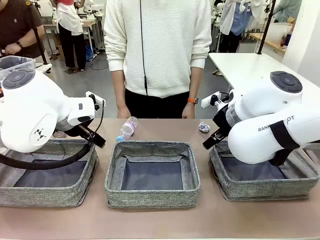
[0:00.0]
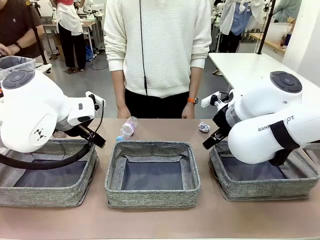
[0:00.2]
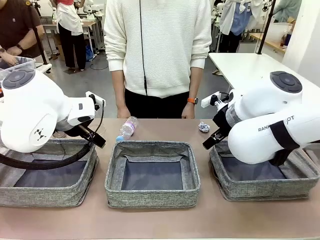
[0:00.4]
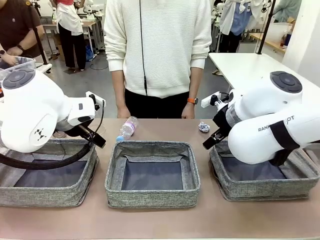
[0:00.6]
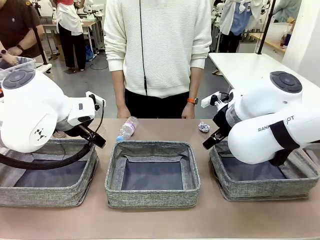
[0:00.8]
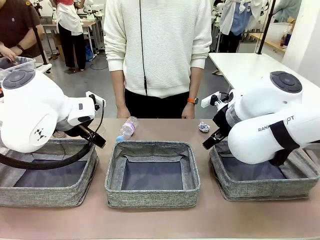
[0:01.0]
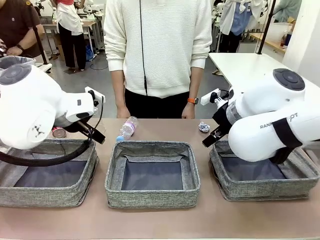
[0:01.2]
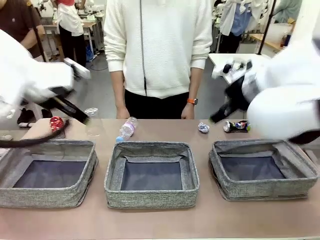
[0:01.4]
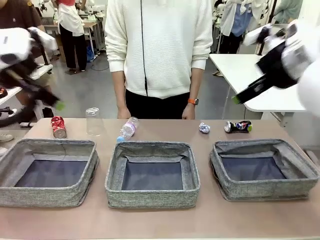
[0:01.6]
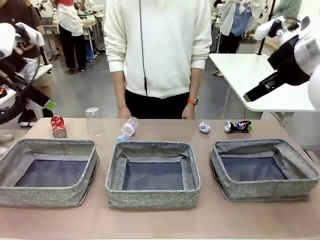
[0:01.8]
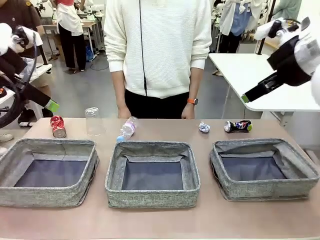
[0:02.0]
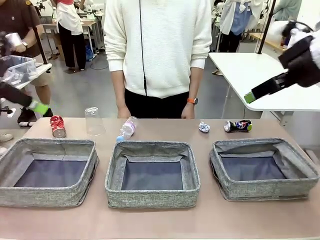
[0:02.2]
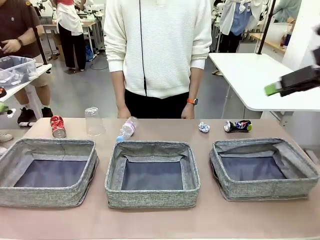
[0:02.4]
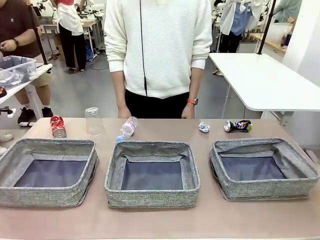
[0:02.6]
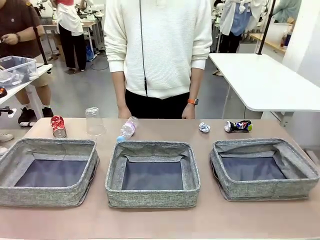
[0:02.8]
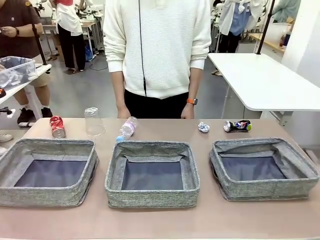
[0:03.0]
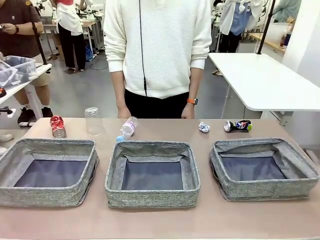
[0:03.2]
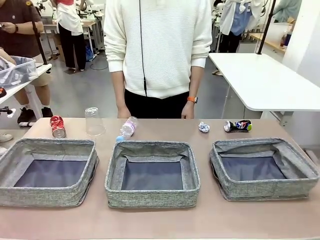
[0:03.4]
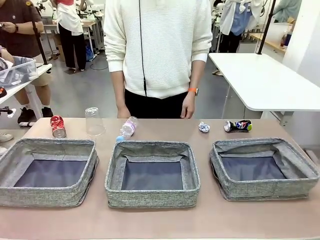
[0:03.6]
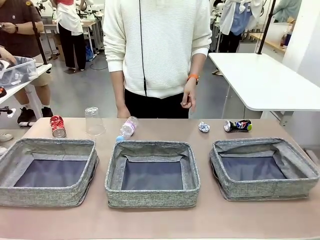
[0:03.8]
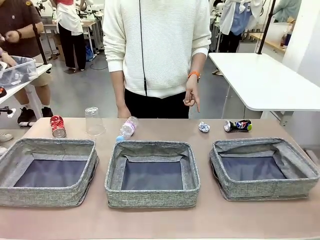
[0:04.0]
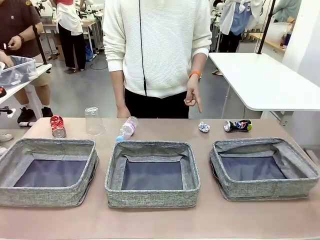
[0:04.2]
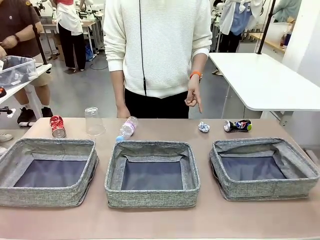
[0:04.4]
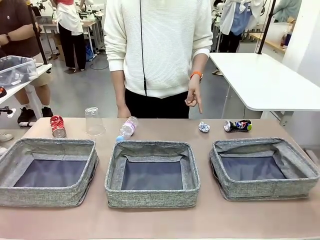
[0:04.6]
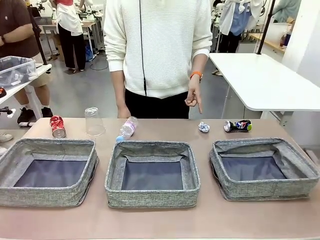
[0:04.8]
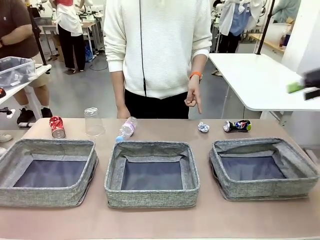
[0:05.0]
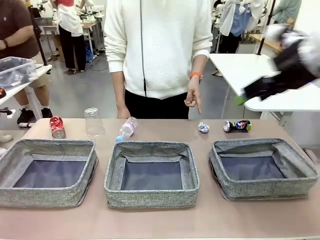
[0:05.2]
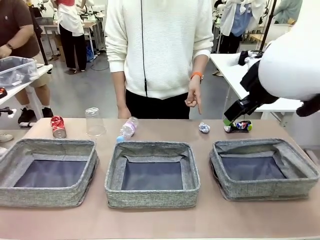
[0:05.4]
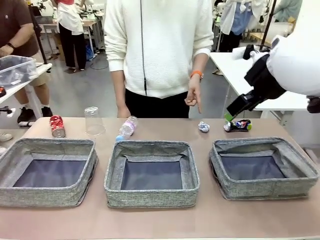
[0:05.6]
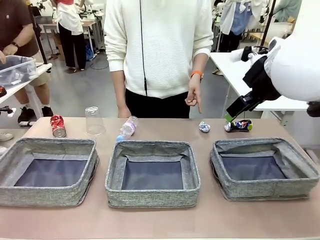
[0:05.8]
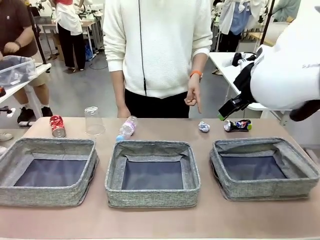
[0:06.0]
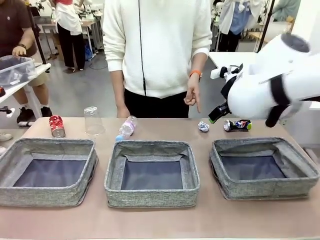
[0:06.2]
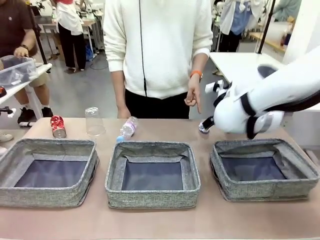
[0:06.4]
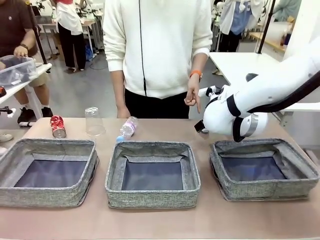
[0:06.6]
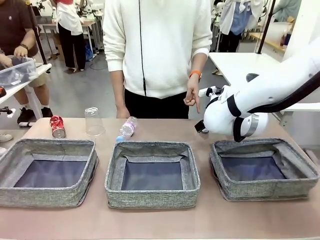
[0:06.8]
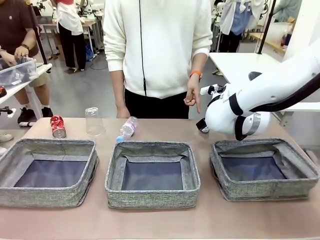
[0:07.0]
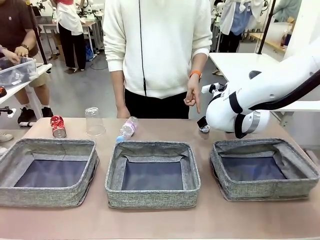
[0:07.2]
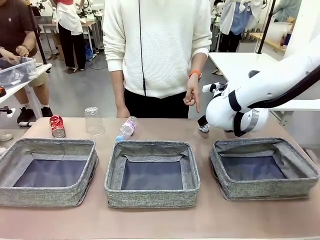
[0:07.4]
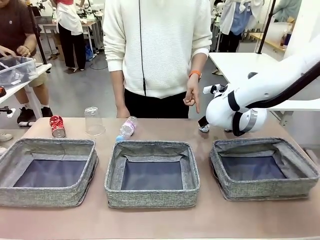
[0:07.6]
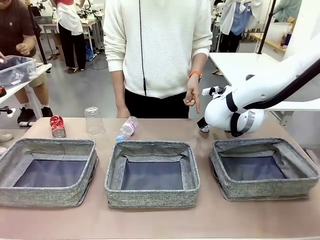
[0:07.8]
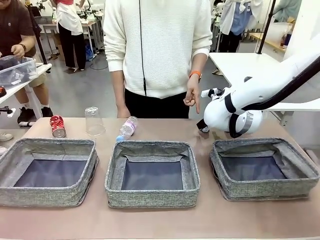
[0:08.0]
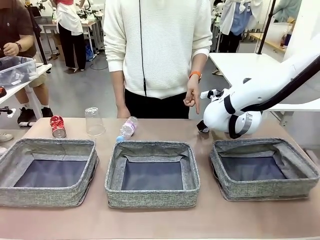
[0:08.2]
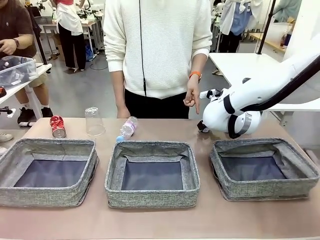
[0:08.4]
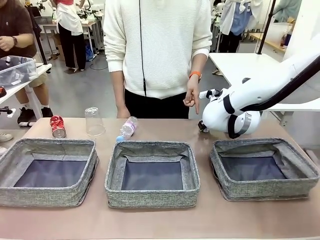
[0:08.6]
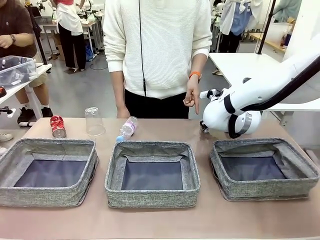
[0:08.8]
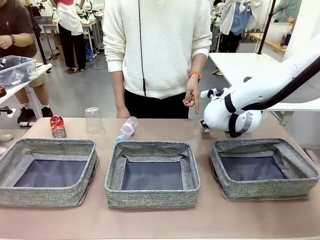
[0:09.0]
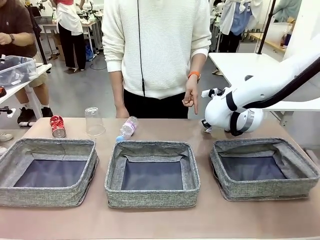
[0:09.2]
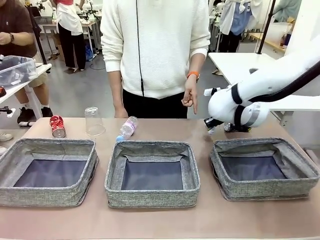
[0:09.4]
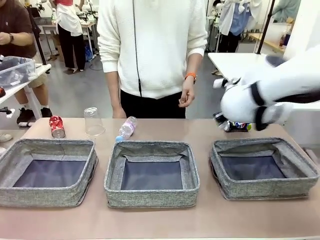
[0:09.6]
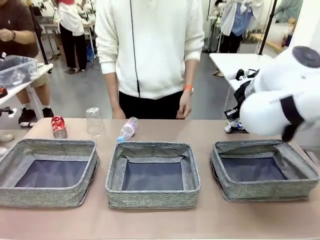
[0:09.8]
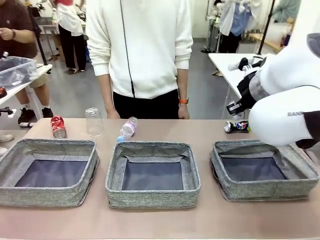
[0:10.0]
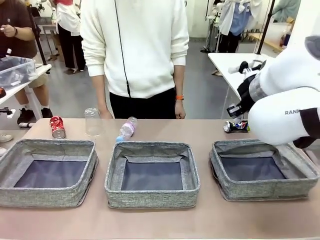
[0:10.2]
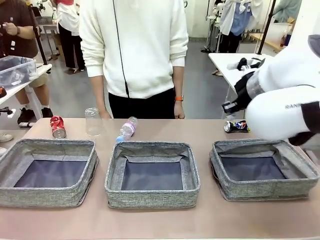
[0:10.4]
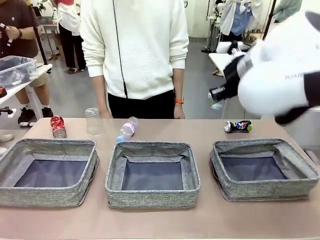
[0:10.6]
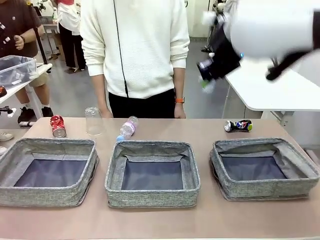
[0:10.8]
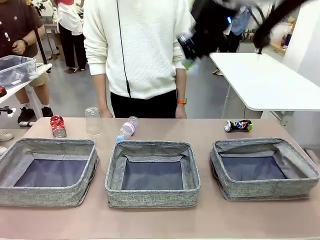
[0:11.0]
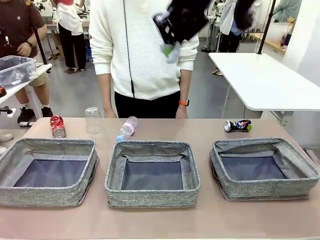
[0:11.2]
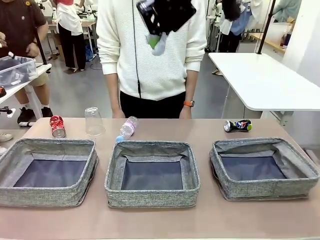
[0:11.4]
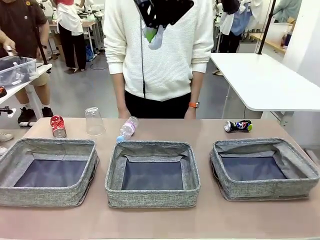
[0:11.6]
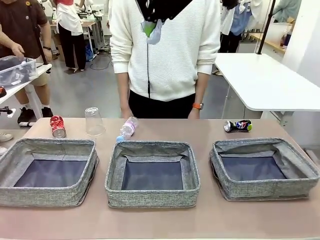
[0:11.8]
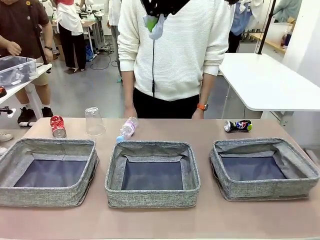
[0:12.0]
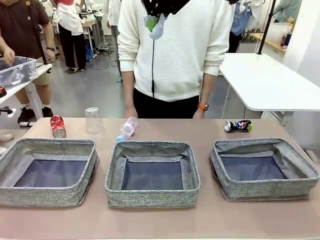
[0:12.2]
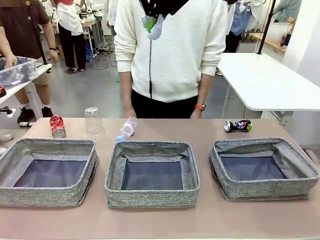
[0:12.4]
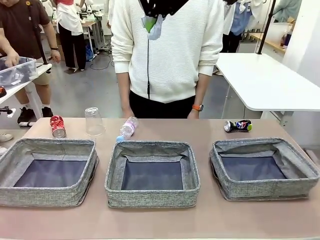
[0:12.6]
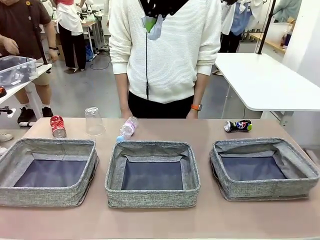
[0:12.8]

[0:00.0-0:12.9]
Task: Sort the waste into the appropriate baskets.
Robot: Pick up the waste item pointed out by the person.
Person: Points to one piece of trash on the table.

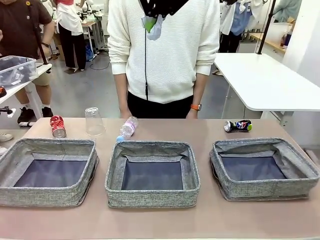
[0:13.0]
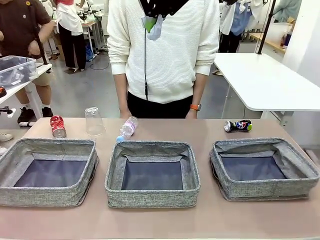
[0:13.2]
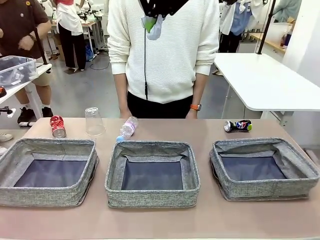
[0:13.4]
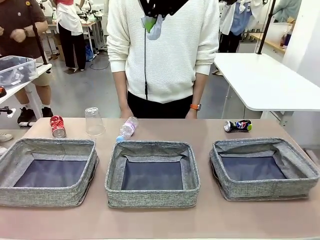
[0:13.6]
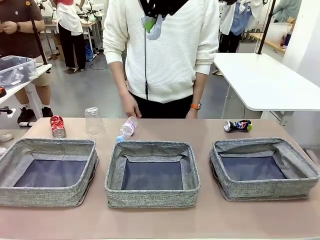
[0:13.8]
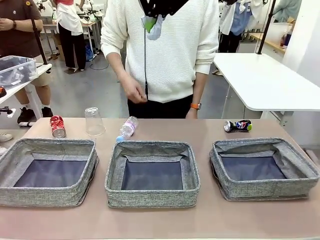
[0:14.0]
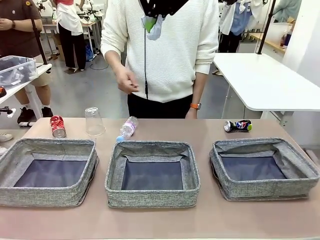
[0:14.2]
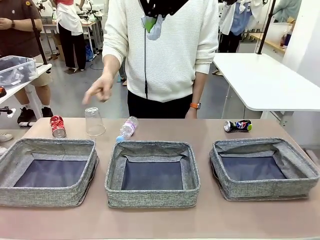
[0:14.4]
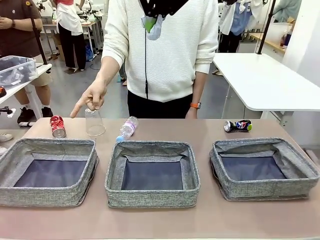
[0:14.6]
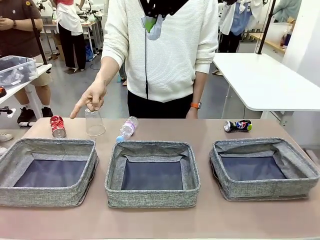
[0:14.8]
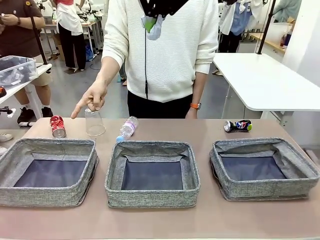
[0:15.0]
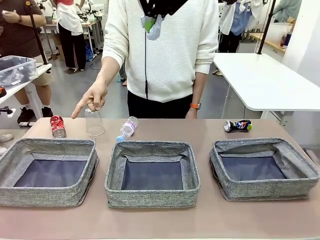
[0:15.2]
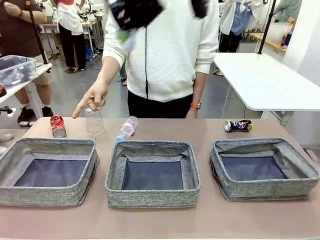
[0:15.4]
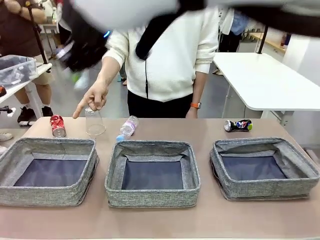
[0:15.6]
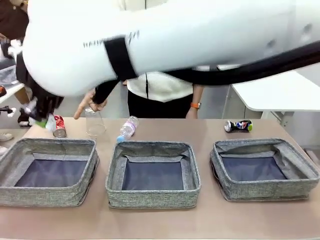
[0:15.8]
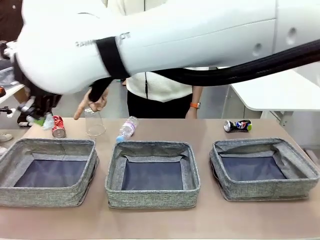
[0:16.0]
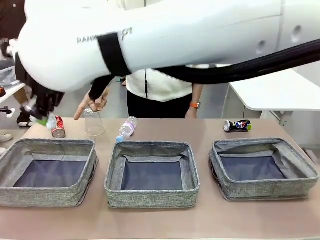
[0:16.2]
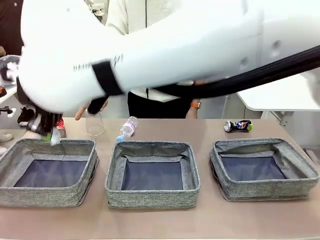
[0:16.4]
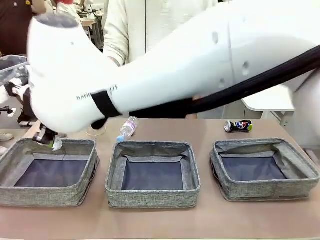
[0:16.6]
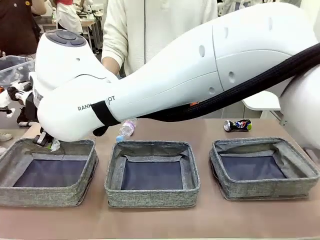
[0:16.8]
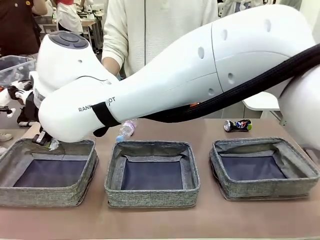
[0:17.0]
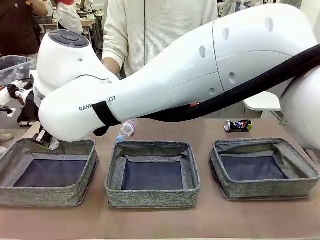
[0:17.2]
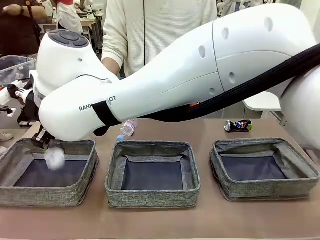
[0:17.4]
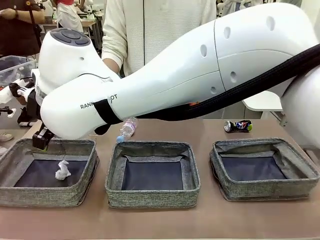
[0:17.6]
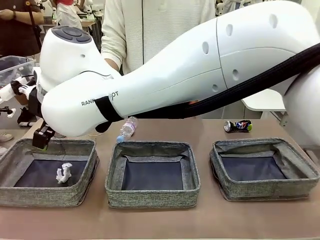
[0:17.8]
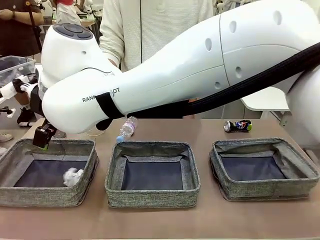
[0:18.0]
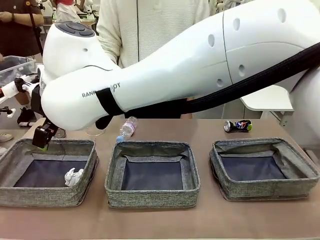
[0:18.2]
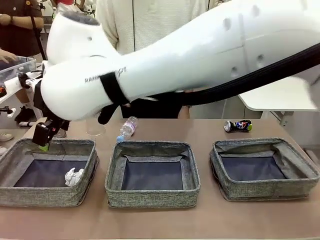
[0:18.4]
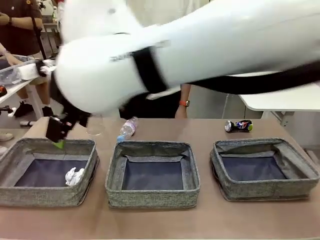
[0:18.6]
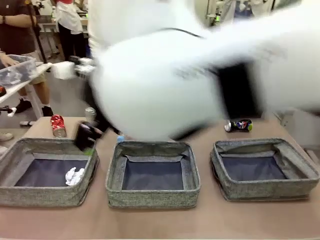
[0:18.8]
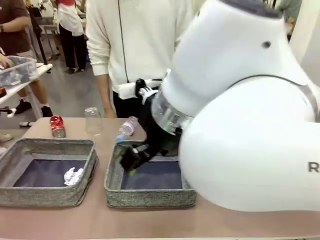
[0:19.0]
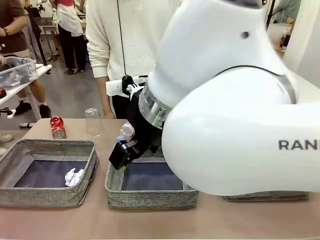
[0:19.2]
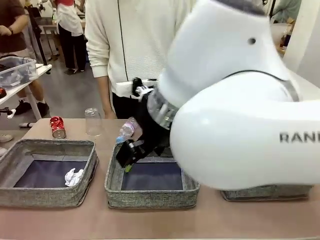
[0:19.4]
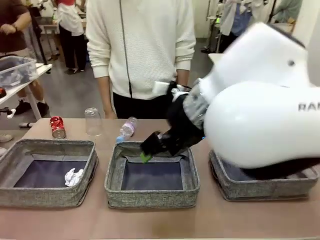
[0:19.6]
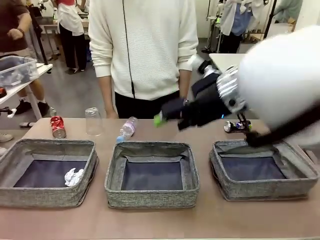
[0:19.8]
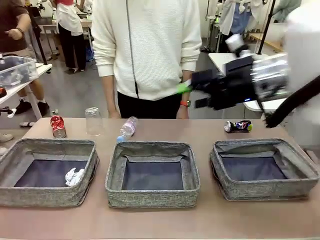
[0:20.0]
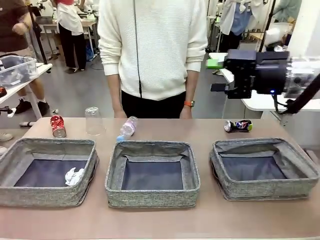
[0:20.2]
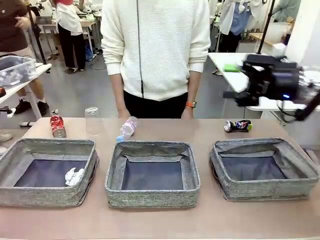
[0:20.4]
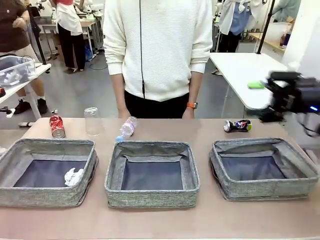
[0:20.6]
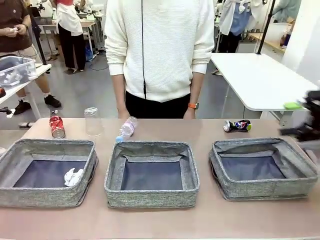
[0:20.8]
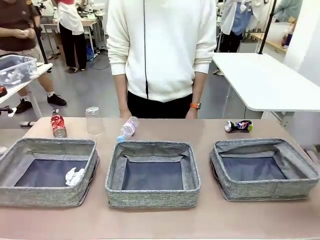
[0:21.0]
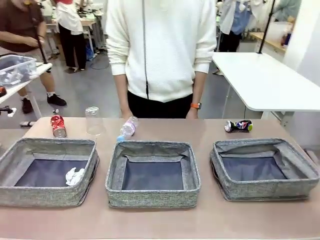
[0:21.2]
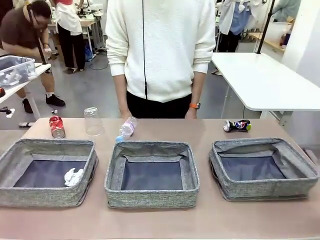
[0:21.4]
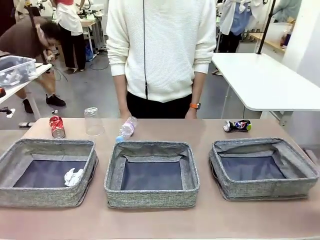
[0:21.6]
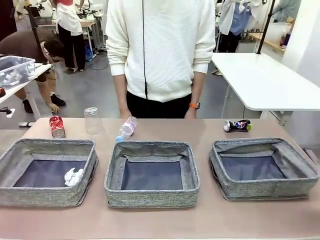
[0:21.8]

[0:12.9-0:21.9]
Robot: Place the picked waste into the Fabric basket indicated by the person.
Person: Instructs the robot to place the picked-up trash into the appropriate organizing basket.
